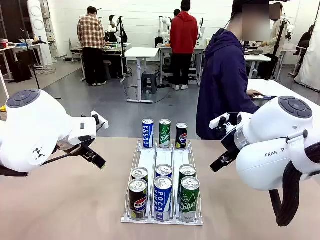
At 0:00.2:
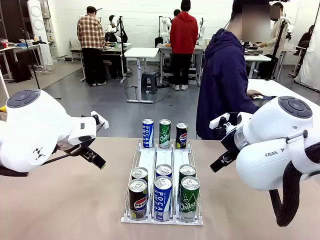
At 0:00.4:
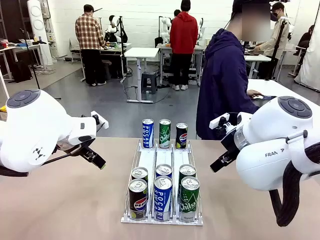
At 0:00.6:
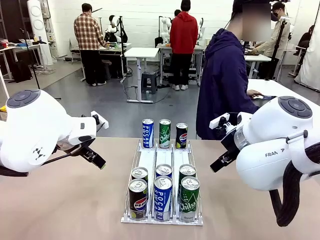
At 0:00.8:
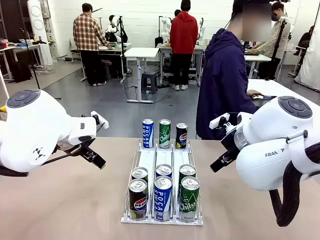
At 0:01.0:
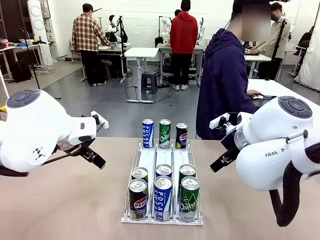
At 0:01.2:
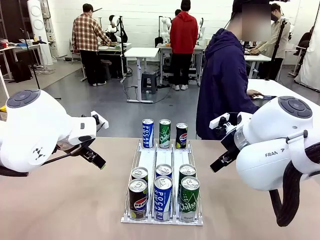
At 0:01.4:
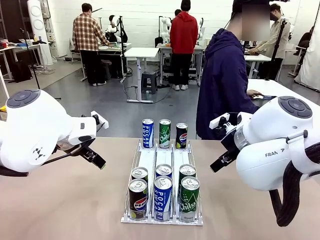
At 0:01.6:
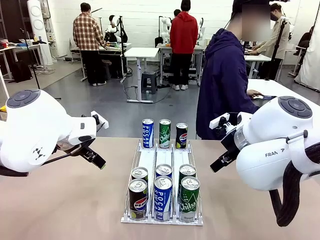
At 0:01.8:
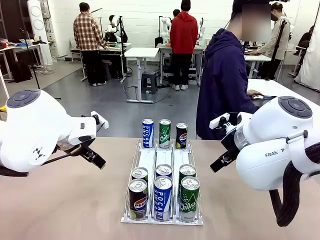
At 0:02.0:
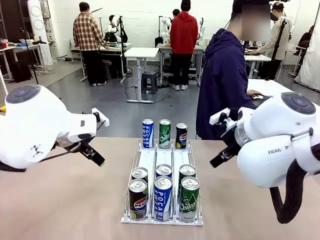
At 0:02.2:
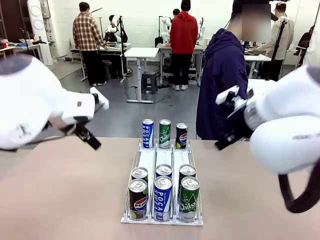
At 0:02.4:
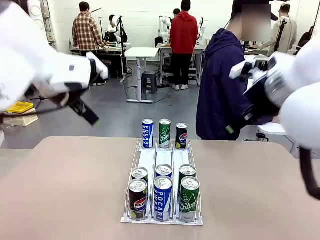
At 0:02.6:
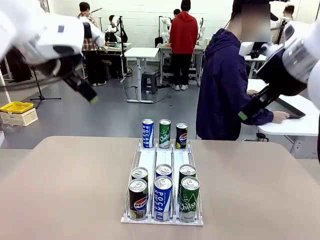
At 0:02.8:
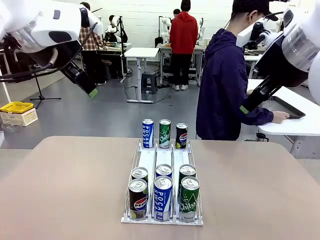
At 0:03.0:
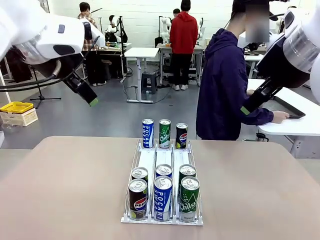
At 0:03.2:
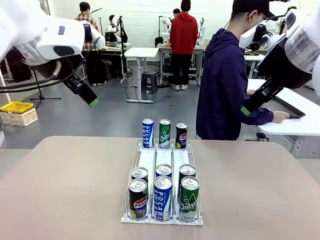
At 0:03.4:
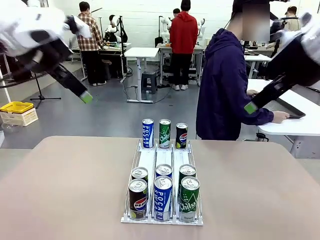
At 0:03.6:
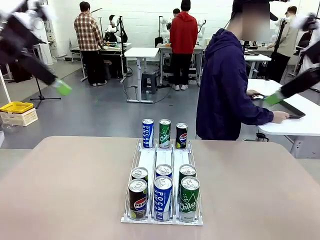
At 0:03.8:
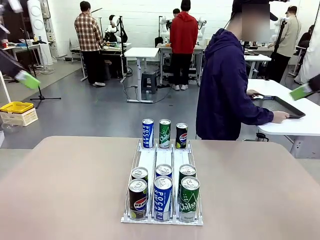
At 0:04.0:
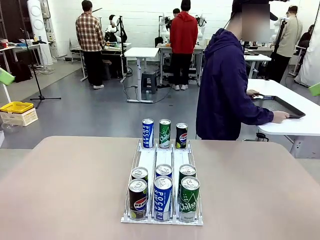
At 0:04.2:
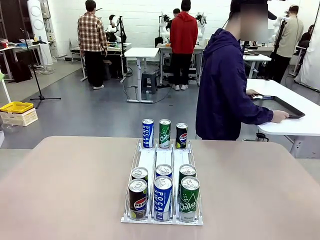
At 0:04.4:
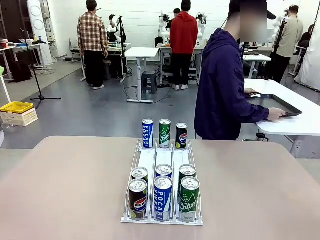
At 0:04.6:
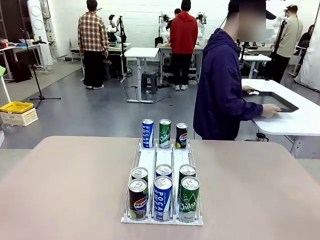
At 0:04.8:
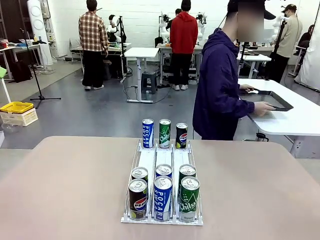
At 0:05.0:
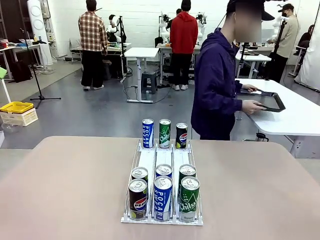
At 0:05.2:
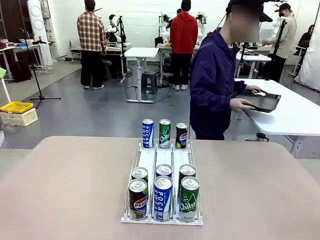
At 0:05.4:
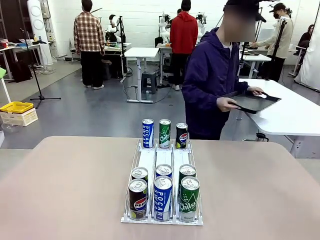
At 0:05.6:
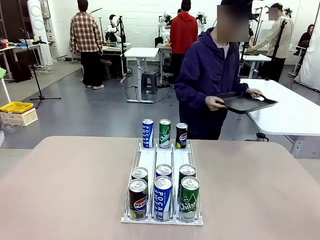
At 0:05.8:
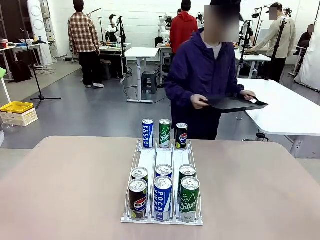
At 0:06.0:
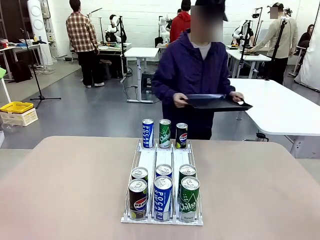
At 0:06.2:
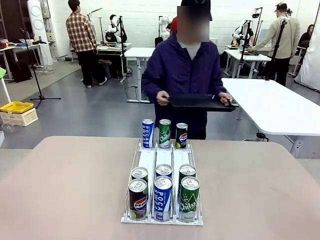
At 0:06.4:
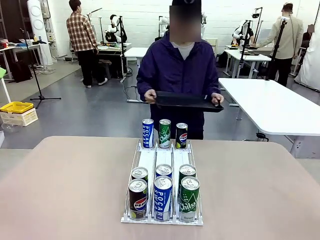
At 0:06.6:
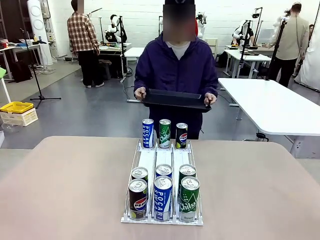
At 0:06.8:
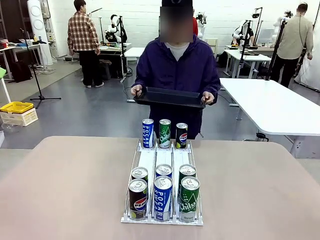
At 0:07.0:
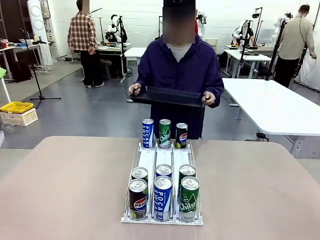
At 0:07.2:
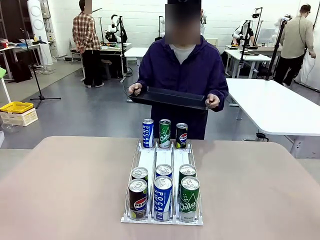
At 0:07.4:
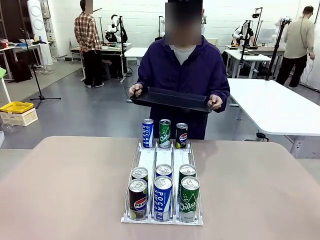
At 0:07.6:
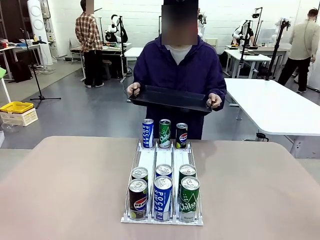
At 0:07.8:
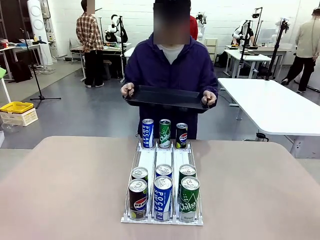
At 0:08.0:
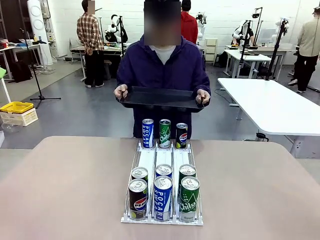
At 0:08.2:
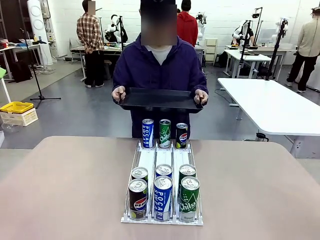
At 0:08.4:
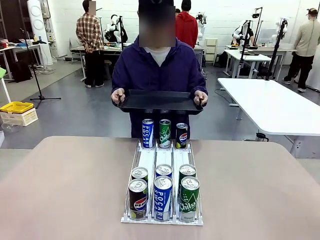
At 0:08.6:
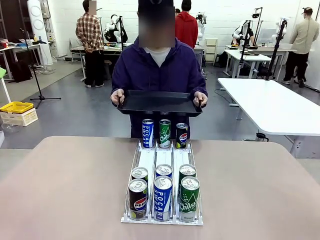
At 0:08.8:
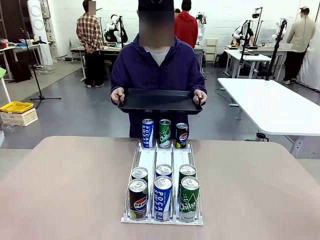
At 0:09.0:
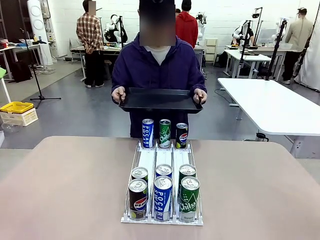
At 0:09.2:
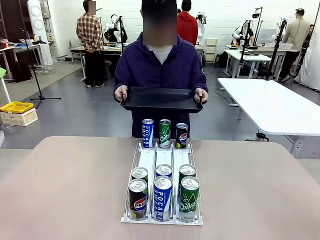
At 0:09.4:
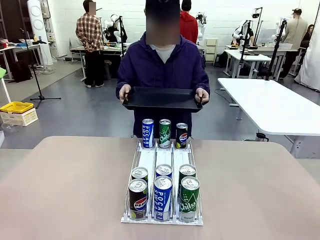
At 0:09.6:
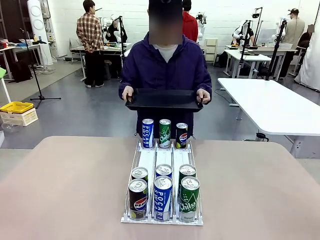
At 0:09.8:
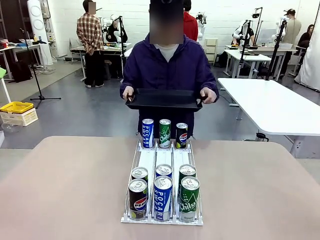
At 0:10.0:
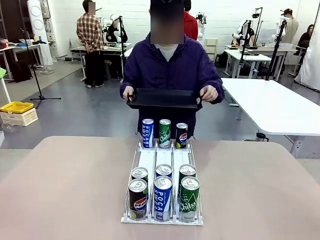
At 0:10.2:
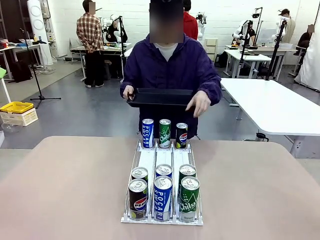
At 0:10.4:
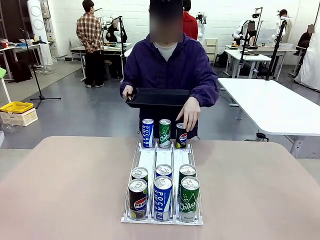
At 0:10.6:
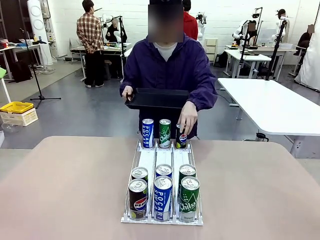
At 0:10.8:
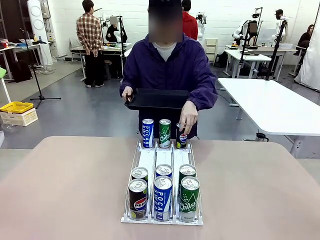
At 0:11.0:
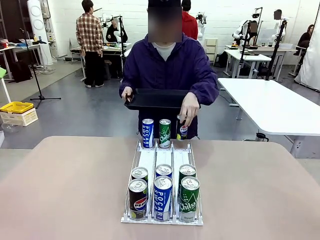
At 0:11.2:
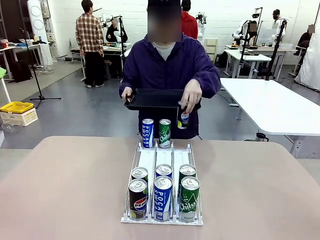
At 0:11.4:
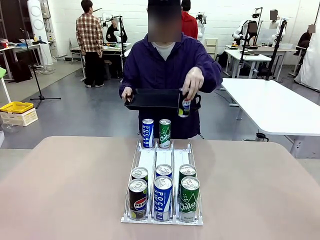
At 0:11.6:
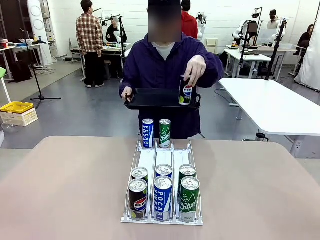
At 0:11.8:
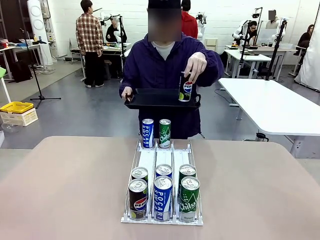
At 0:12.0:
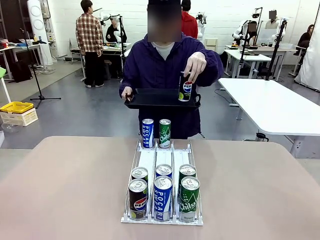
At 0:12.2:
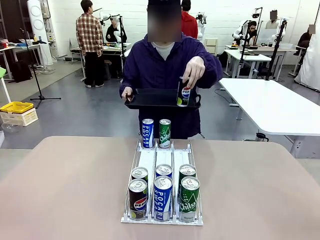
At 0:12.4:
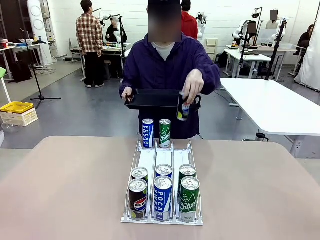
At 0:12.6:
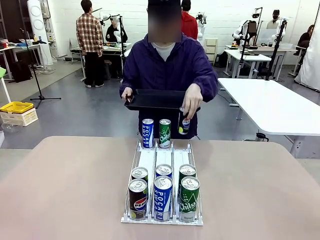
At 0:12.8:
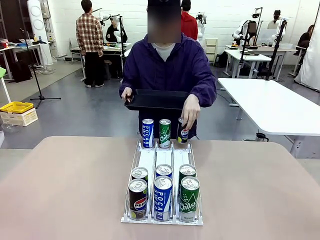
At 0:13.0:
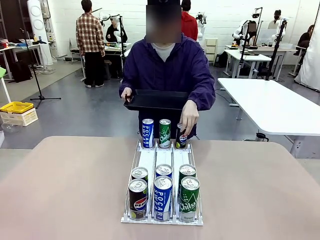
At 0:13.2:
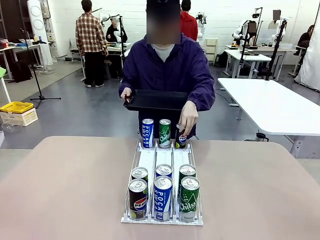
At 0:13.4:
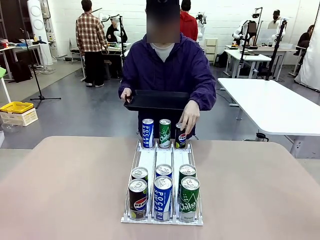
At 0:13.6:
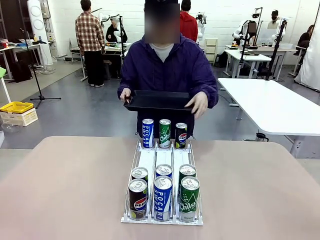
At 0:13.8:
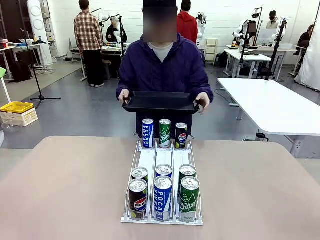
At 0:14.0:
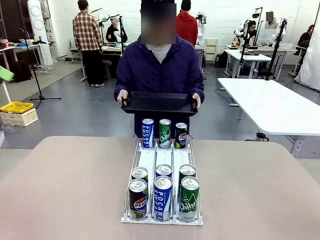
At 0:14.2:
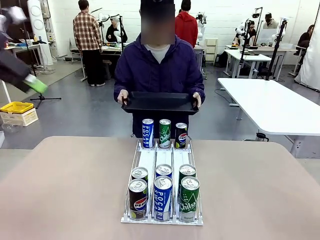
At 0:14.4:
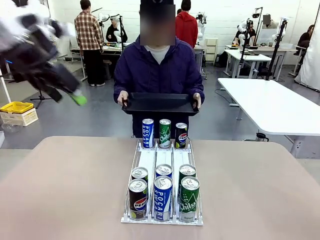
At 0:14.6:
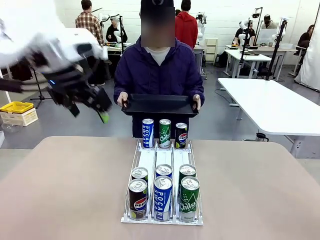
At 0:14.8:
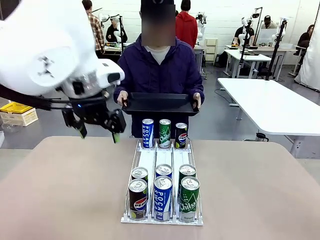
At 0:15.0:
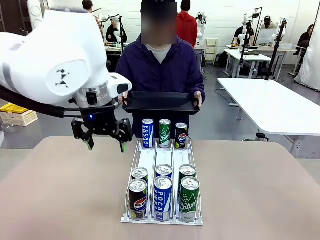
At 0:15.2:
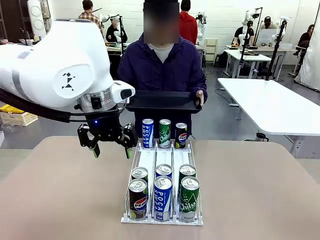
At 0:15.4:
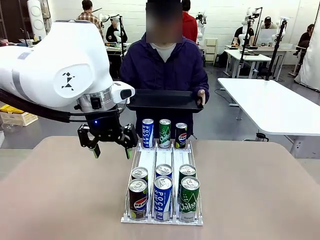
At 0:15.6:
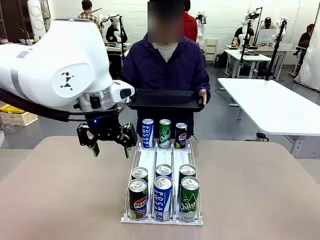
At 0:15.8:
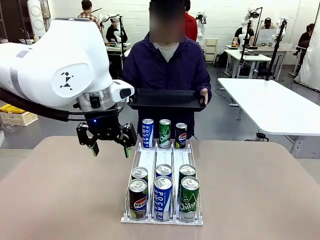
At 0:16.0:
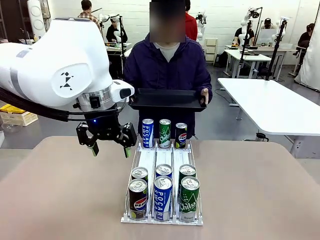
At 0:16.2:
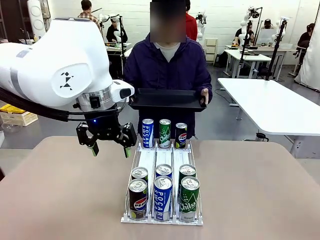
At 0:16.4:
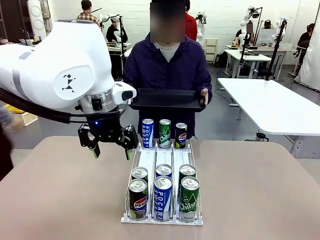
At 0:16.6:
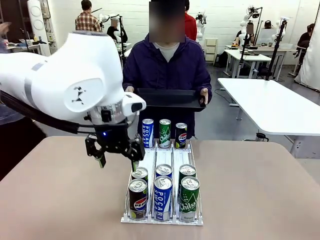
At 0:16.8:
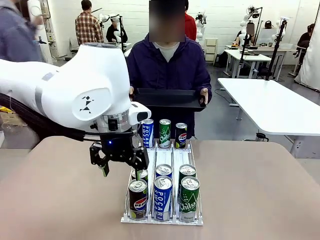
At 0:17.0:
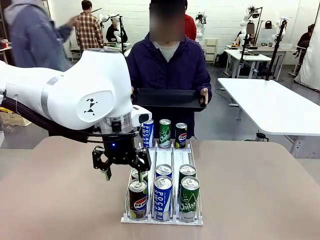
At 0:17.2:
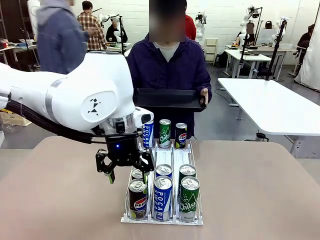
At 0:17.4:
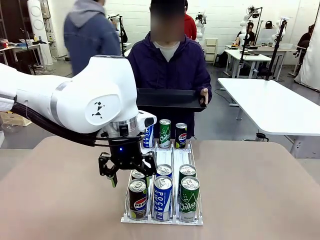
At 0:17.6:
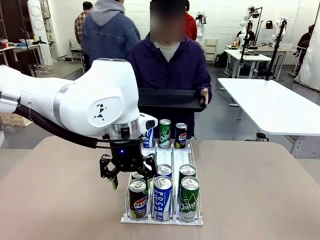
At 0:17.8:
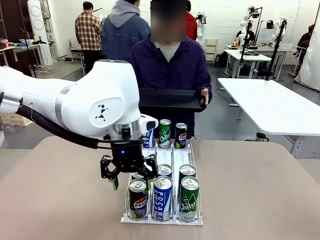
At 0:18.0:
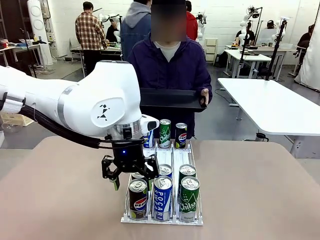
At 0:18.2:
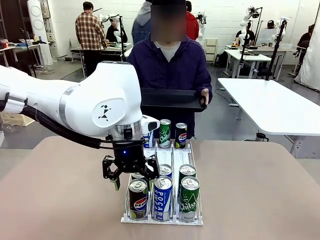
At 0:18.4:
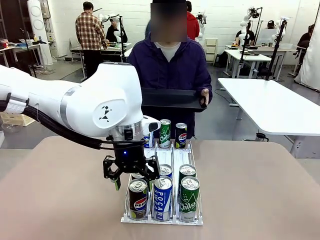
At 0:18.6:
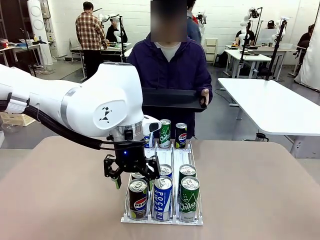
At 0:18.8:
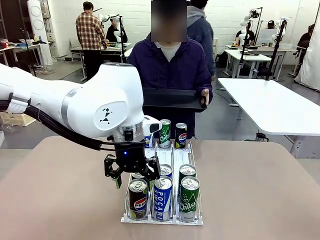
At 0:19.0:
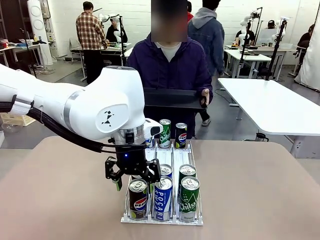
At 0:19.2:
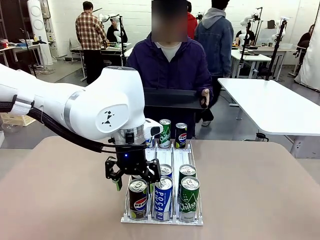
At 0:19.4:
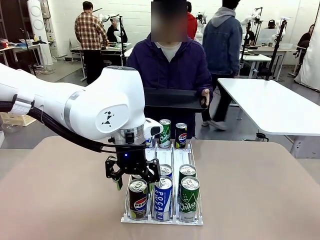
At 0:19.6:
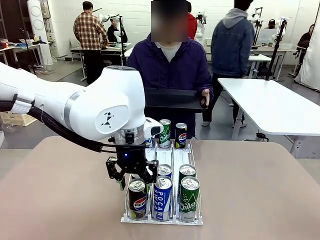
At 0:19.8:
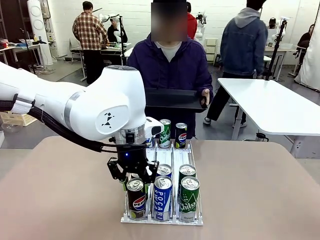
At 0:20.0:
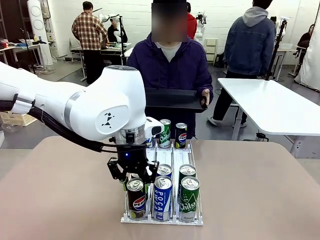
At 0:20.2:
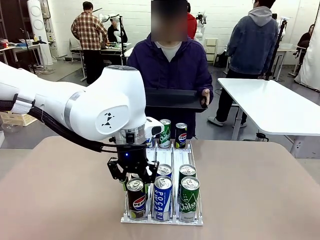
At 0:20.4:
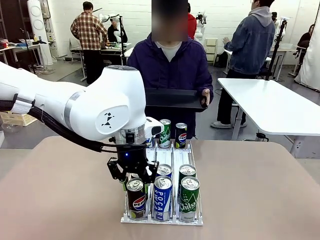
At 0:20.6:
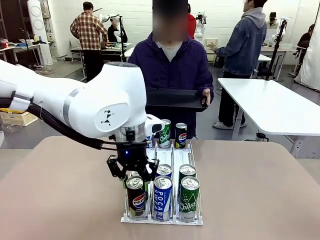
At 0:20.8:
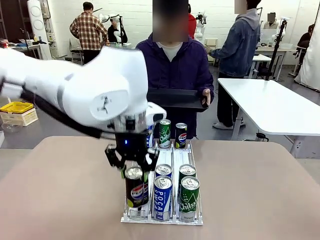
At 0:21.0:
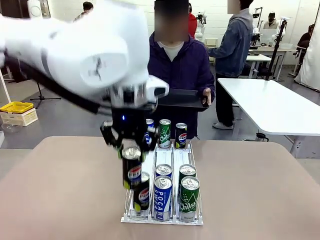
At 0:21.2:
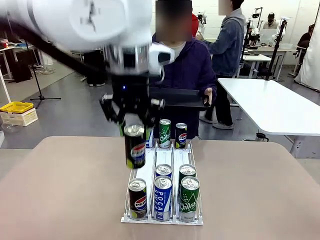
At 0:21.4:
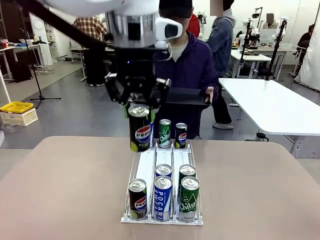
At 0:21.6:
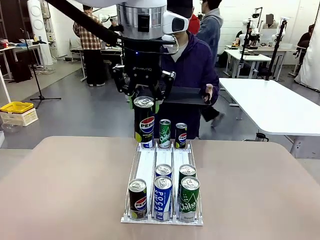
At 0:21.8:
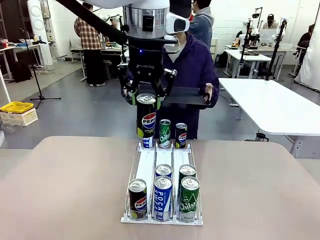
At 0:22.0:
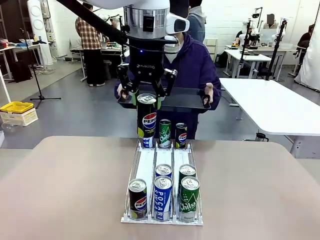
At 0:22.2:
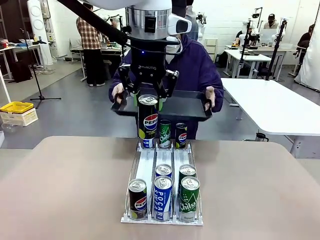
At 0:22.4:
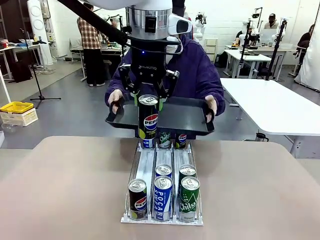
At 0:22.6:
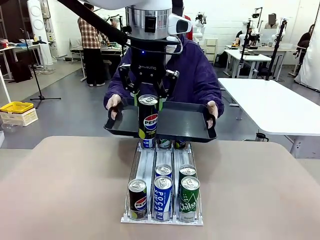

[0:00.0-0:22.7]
Task: Retrieve and hand over the desired beverage to the person.
Robot: Pick up a can of the same type that the person held from the Automatic Can Dispenser.
Person: Hold the tray and position yourself in front of the robot table. Pick up one can from the bottom area of the table and puts it back in its original place. Push the tray toward the robot.
